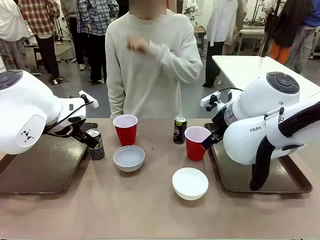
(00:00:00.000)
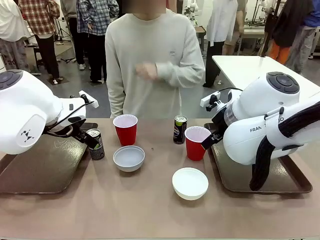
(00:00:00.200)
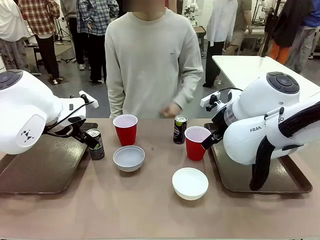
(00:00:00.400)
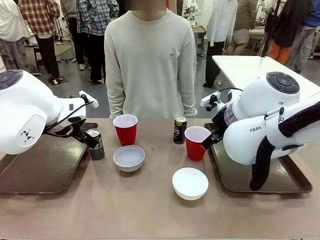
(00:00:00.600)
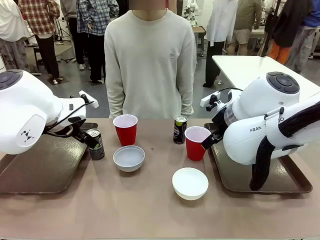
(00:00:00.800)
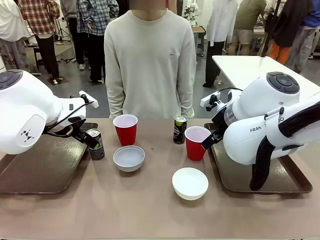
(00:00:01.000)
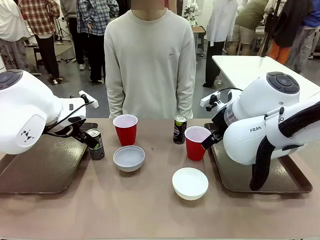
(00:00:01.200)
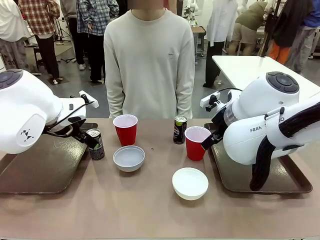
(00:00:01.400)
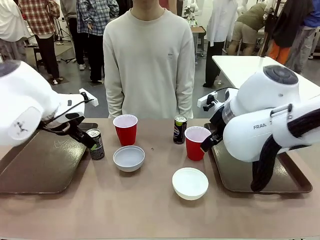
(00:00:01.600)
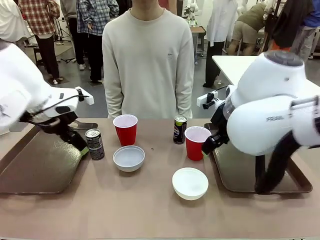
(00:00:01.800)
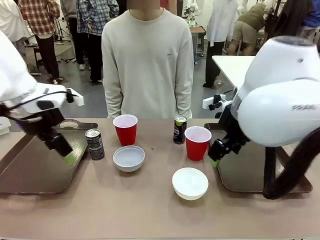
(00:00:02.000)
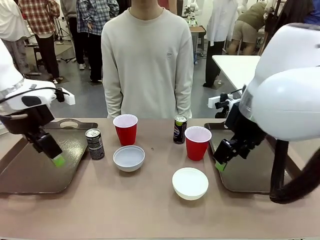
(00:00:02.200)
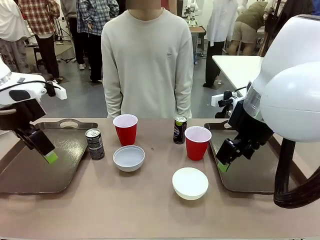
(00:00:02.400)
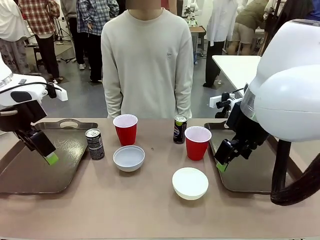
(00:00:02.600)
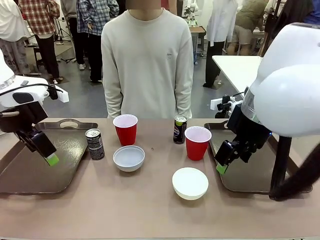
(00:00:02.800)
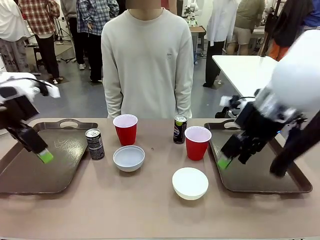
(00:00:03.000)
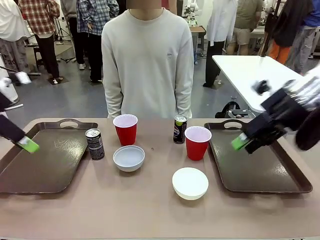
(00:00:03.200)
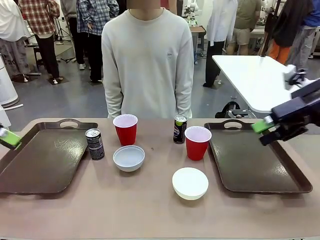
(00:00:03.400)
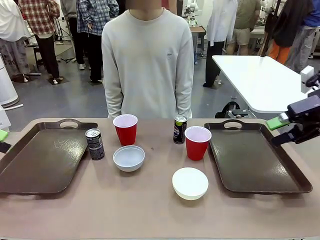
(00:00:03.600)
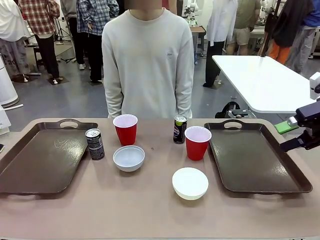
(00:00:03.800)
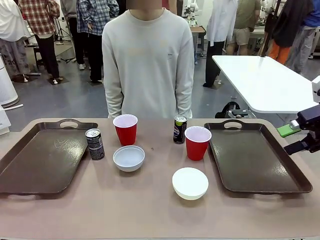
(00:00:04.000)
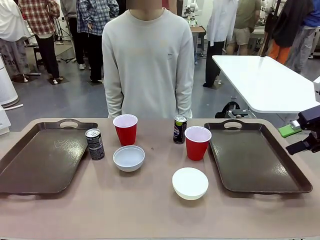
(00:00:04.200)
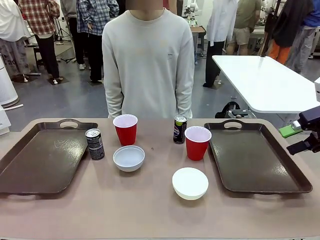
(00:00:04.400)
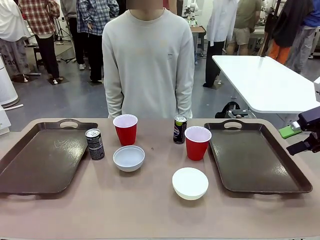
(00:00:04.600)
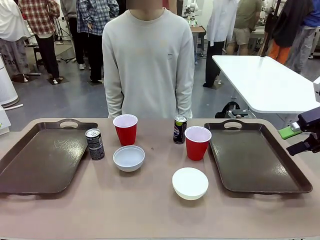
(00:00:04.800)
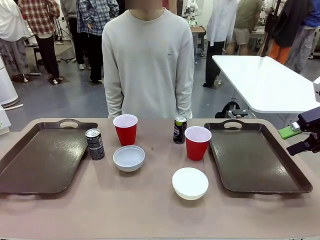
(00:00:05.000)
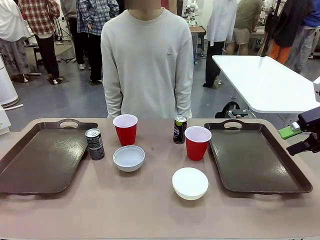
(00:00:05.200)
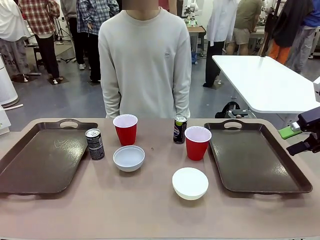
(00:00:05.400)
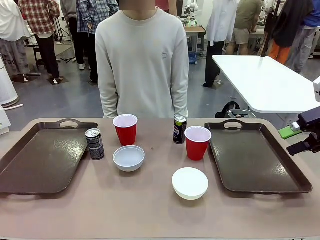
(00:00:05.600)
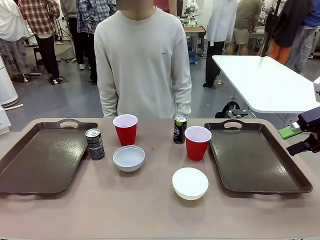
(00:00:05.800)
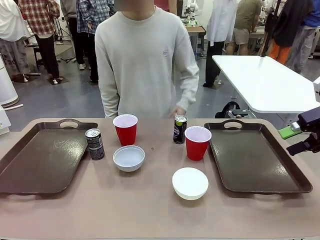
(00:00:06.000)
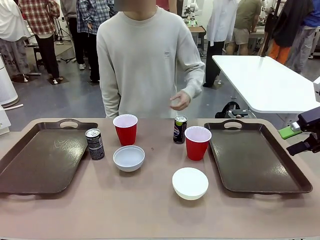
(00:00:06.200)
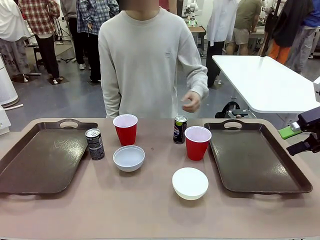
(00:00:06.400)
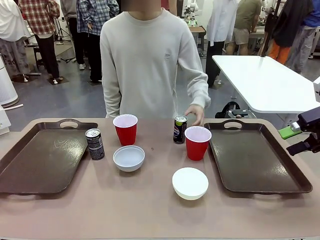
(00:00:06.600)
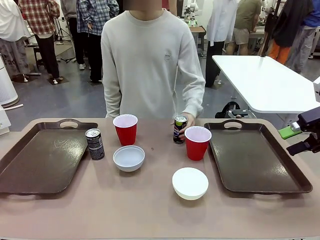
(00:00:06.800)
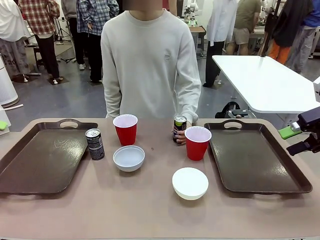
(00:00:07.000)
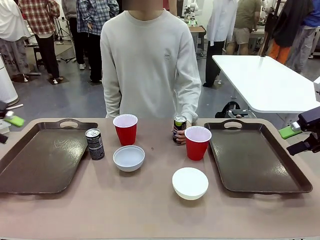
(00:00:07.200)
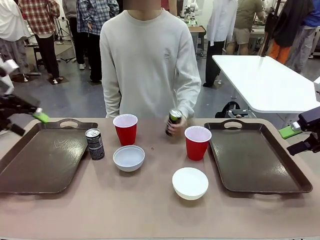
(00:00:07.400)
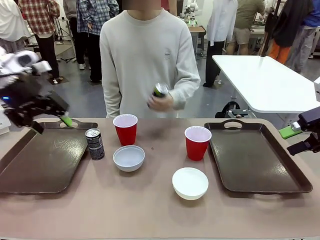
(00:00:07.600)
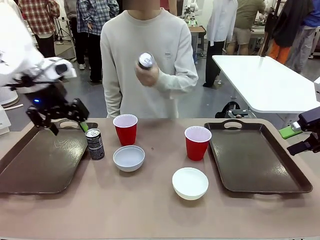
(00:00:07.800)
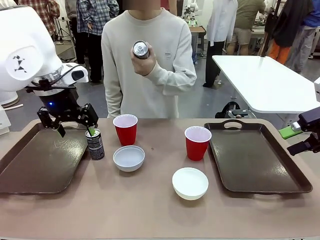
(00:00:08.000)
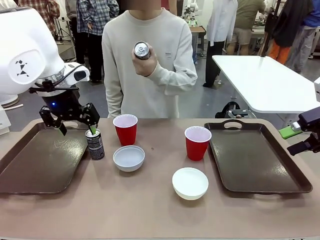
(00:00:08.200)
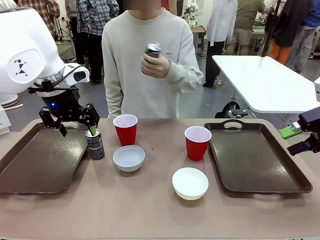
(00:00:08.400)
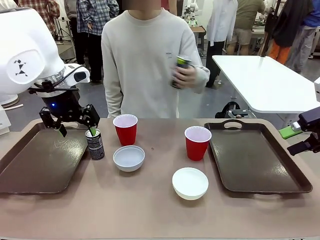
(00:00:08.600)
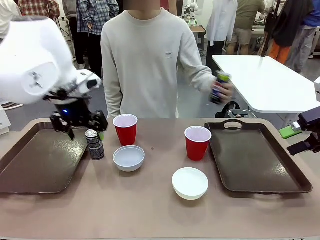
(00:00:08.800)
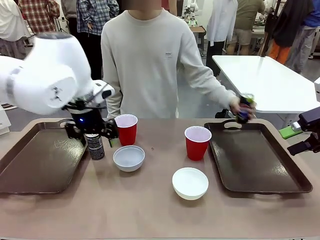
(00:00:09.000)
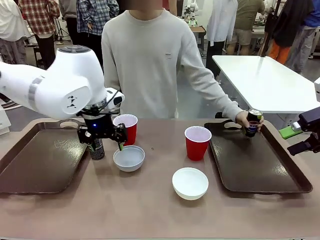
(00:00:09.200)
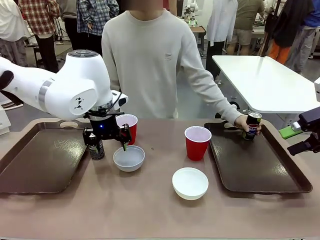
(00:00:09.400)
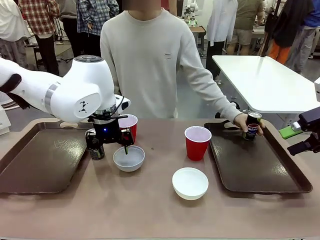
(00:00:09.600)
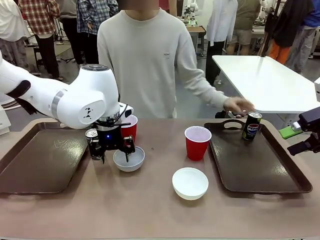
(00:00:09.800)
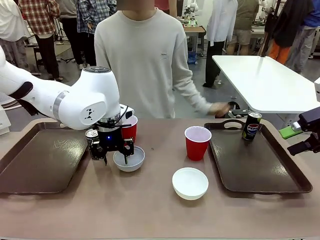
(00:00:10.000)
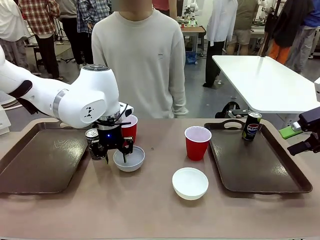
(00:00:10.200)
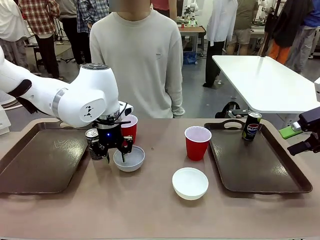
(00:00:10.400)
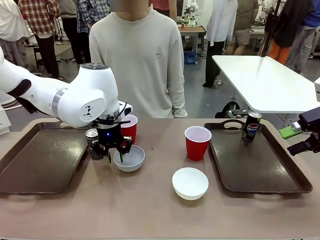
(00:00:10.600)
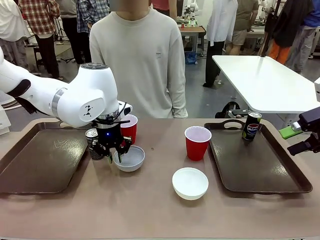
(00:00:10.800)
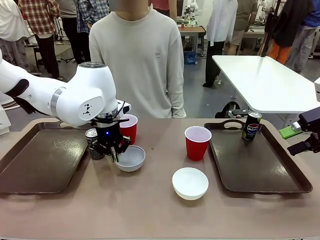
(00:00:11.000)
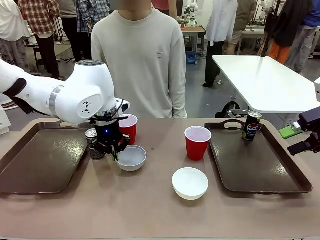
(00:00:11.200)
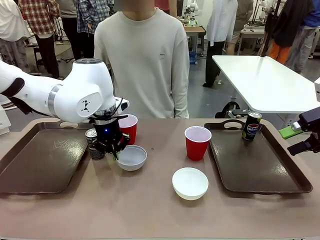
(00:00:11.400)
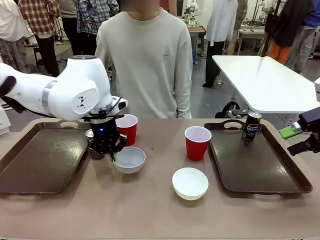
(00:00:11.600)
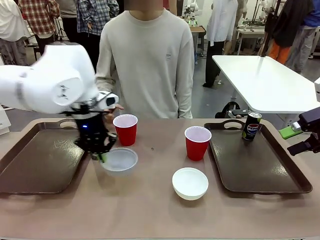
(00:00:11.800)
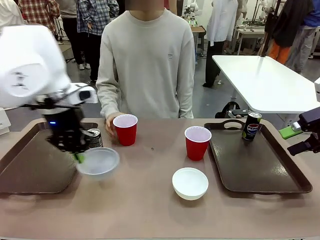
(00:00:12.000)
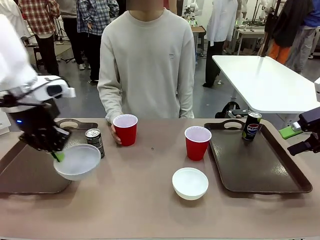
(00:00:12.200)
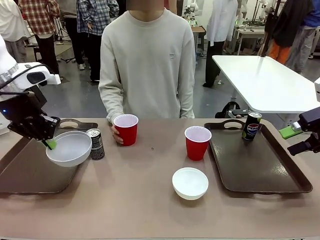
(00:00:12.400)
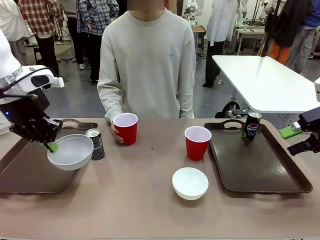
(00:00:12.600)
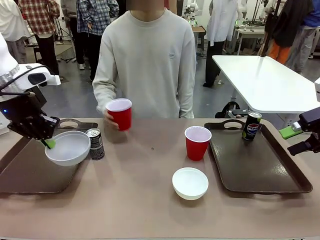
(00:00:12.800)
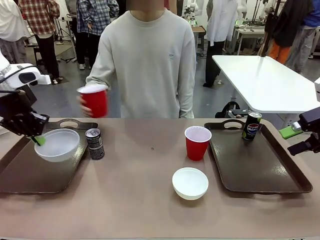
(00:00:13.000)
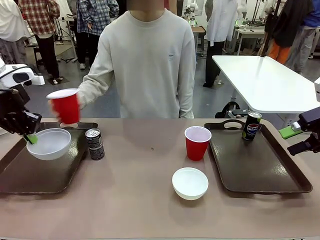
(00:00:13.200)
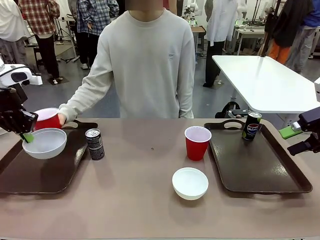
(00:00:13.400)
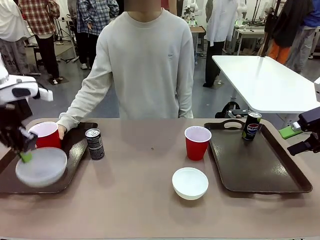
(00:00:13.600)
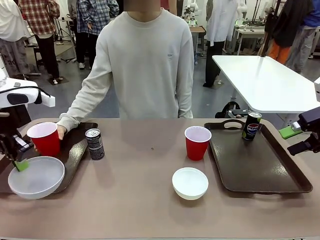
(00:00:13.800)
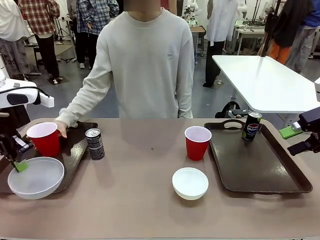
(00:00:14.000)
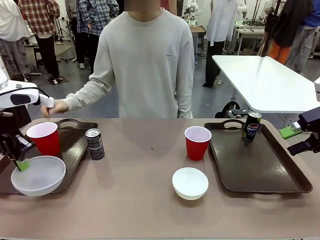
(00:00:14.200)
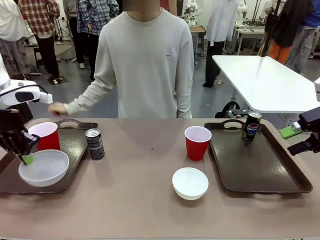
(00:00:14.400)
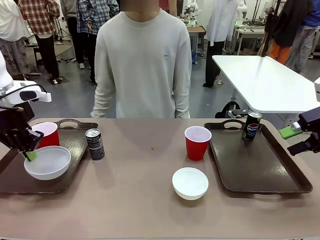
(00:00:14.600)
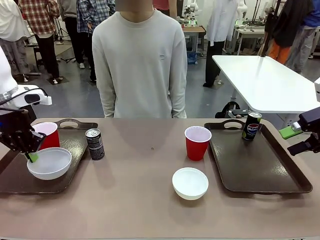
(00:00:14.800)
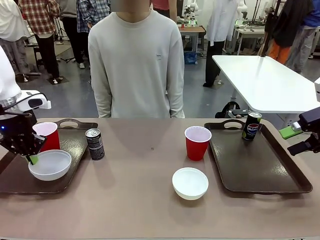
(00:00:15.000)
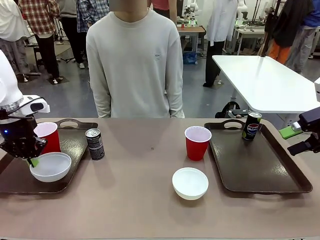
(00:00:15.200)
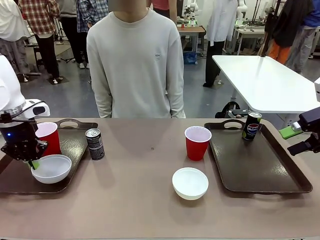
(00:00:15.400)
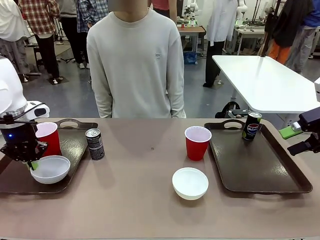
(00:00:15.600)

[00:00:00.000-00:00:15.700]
Task: Prepare tableware on both trays.
Robot: Pick up a Picnic Bowl from the table and place it on a Handle tray.
Person: Pick up a can or cup and place it on the tray.
